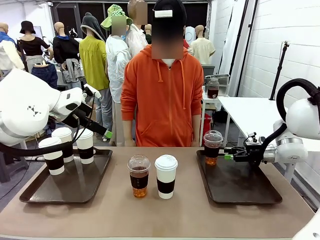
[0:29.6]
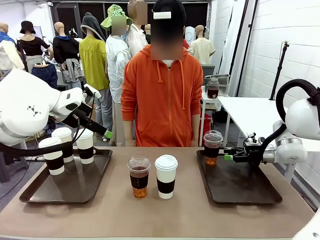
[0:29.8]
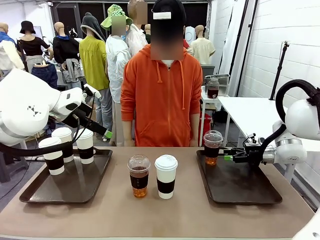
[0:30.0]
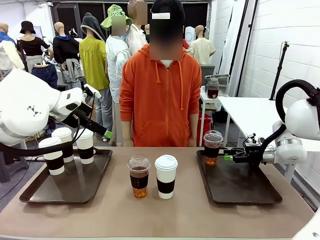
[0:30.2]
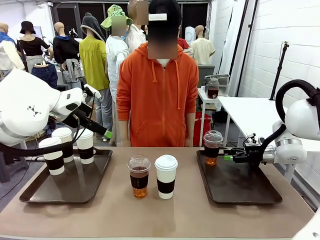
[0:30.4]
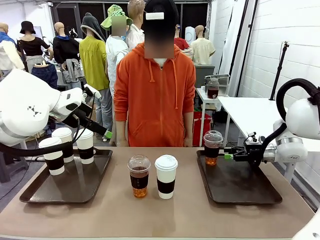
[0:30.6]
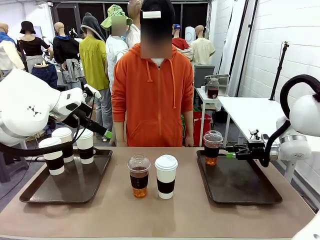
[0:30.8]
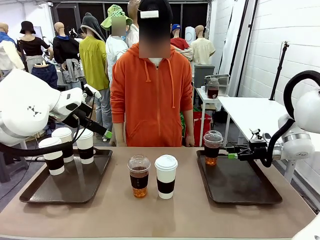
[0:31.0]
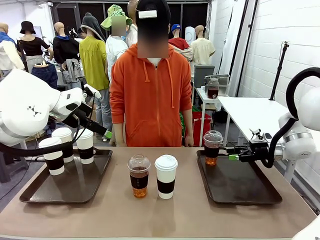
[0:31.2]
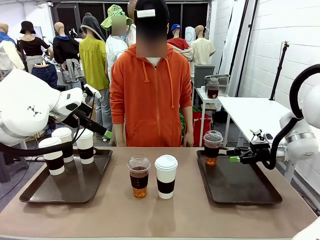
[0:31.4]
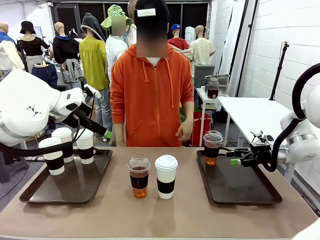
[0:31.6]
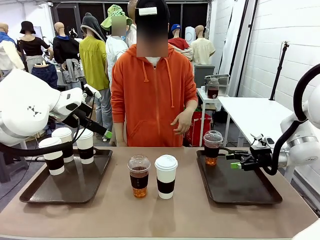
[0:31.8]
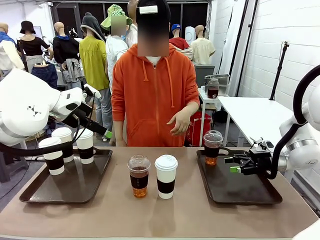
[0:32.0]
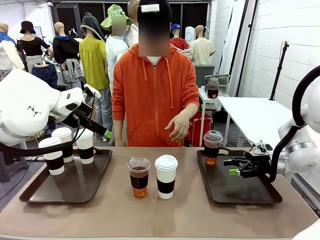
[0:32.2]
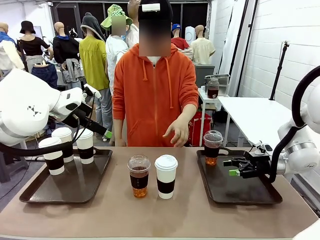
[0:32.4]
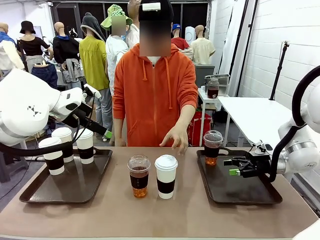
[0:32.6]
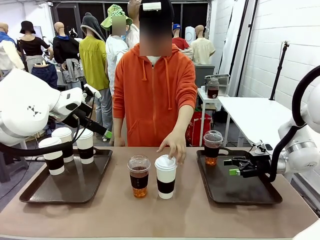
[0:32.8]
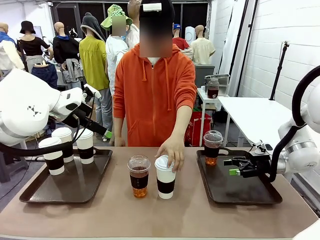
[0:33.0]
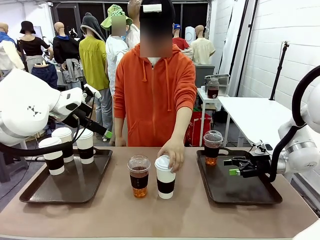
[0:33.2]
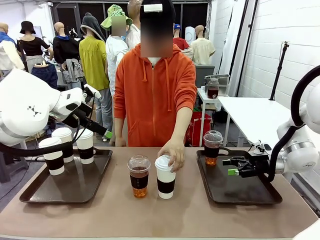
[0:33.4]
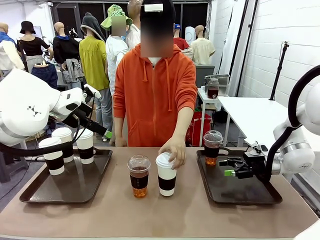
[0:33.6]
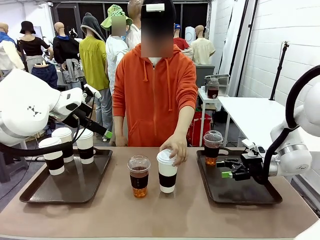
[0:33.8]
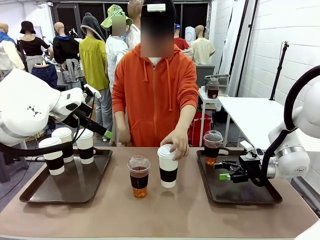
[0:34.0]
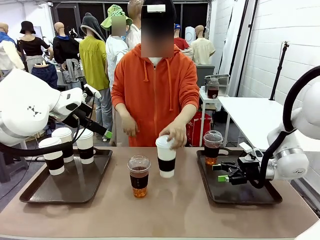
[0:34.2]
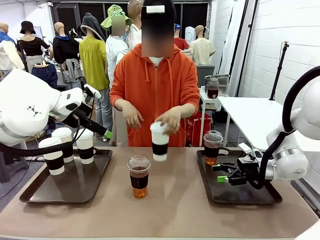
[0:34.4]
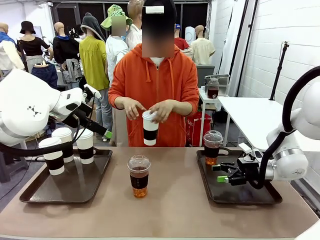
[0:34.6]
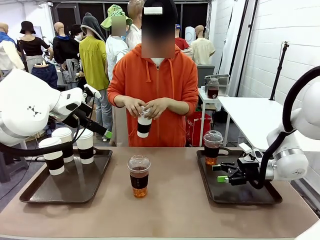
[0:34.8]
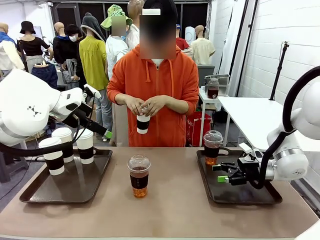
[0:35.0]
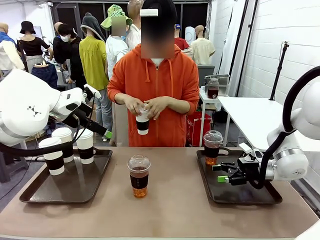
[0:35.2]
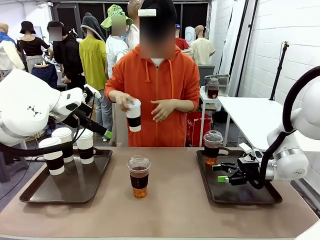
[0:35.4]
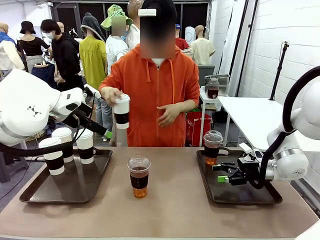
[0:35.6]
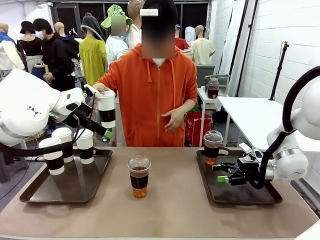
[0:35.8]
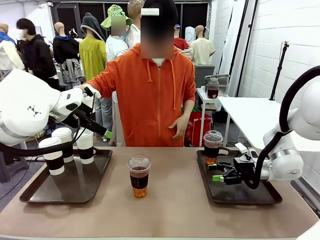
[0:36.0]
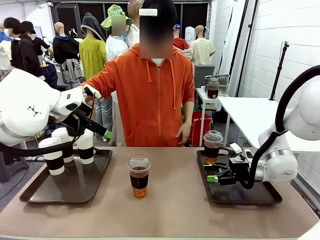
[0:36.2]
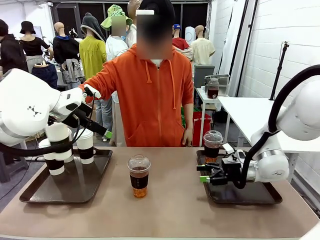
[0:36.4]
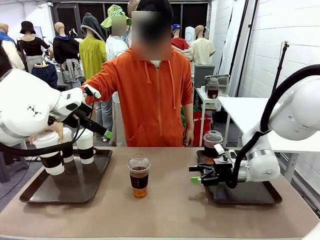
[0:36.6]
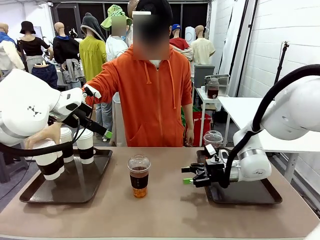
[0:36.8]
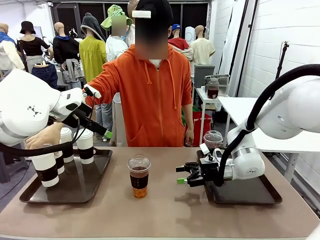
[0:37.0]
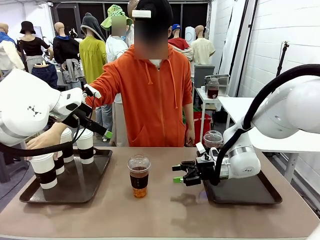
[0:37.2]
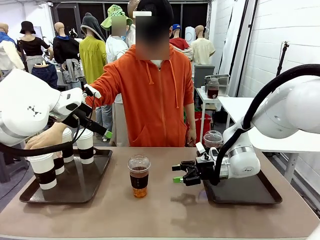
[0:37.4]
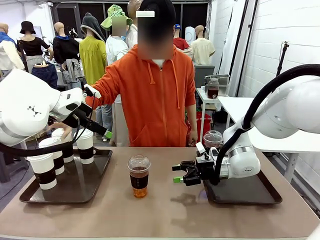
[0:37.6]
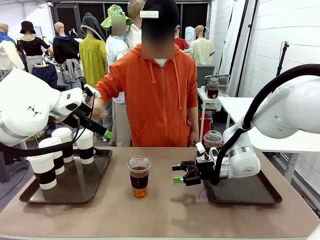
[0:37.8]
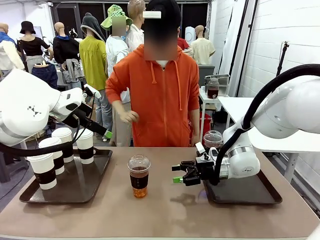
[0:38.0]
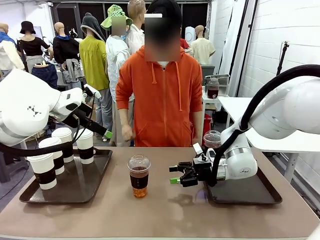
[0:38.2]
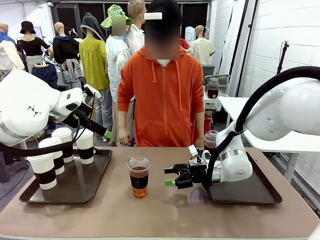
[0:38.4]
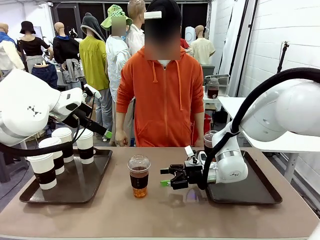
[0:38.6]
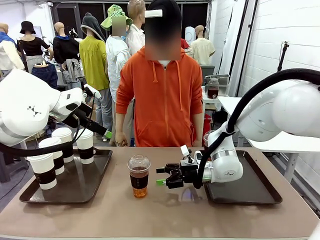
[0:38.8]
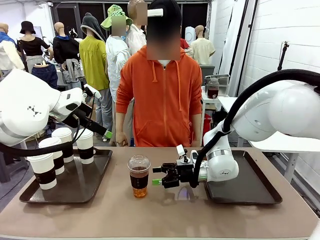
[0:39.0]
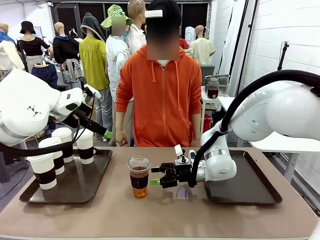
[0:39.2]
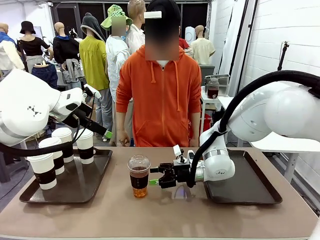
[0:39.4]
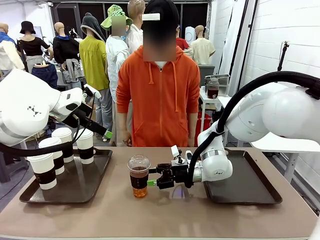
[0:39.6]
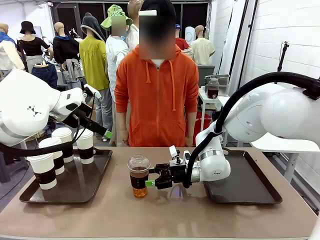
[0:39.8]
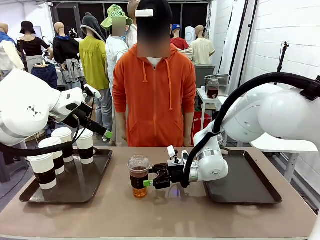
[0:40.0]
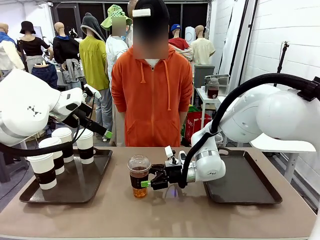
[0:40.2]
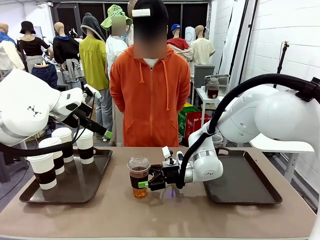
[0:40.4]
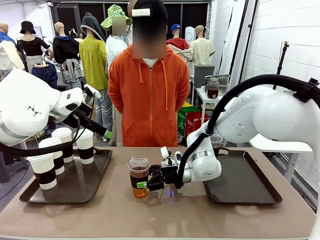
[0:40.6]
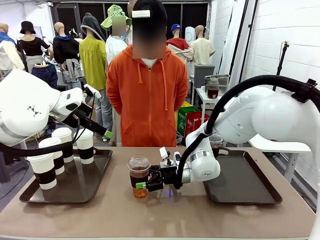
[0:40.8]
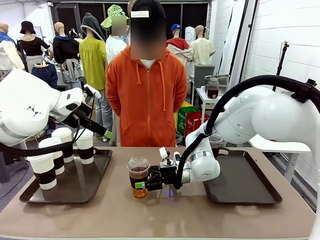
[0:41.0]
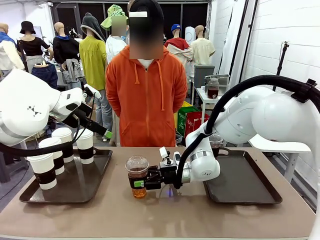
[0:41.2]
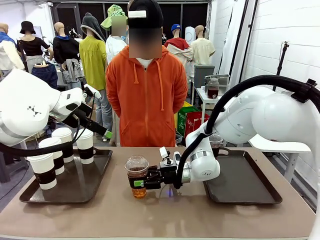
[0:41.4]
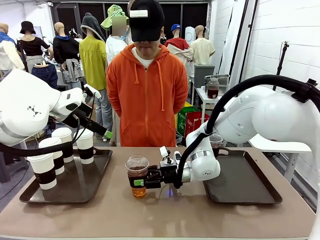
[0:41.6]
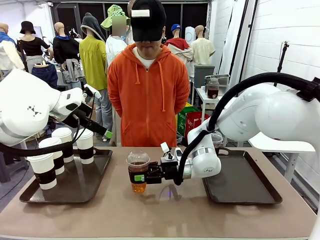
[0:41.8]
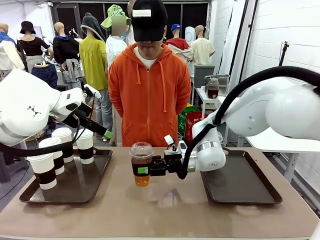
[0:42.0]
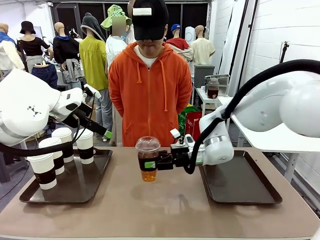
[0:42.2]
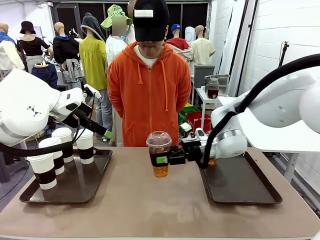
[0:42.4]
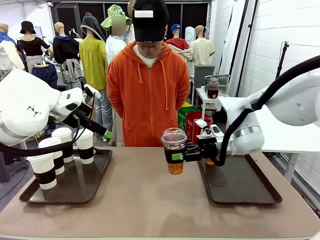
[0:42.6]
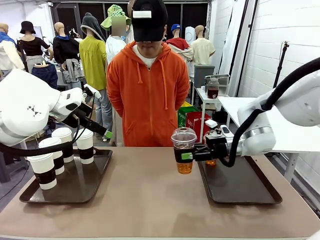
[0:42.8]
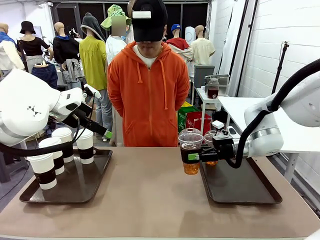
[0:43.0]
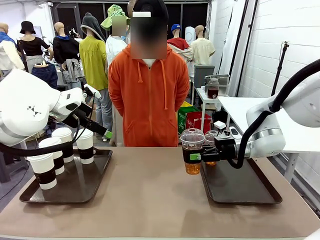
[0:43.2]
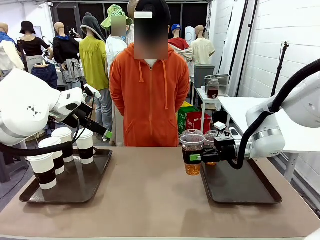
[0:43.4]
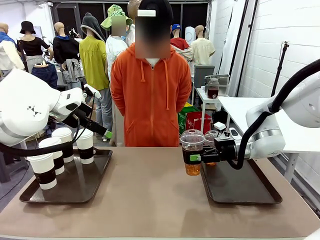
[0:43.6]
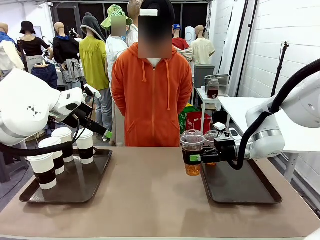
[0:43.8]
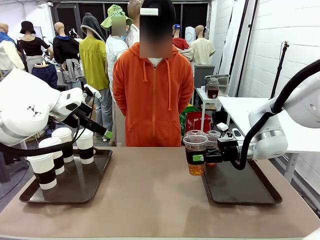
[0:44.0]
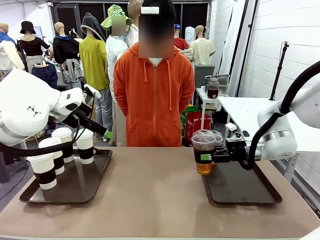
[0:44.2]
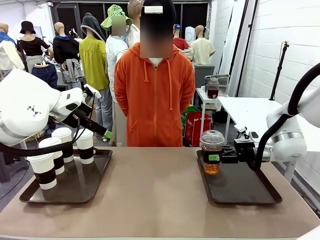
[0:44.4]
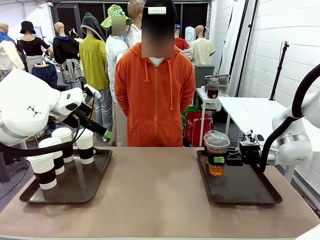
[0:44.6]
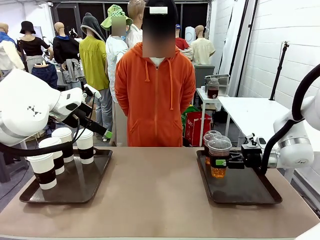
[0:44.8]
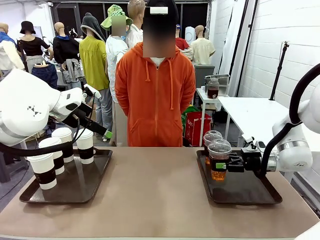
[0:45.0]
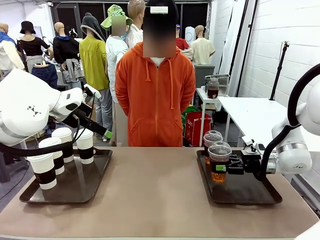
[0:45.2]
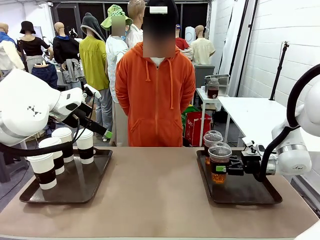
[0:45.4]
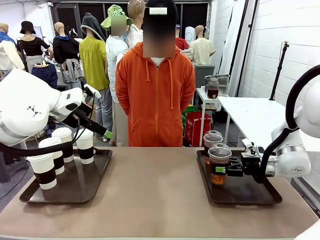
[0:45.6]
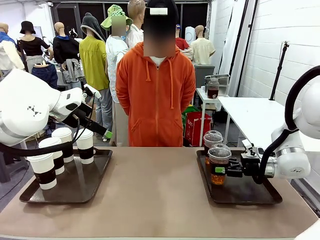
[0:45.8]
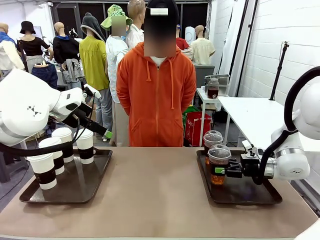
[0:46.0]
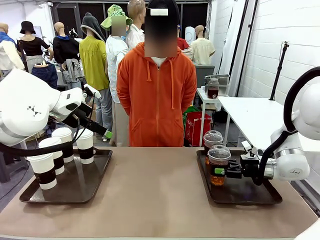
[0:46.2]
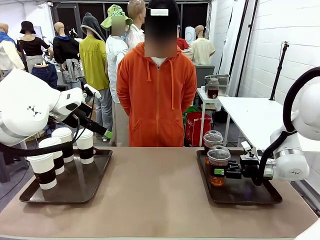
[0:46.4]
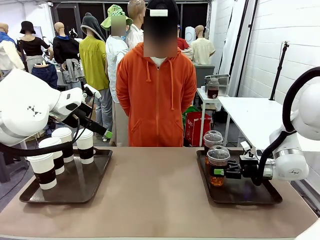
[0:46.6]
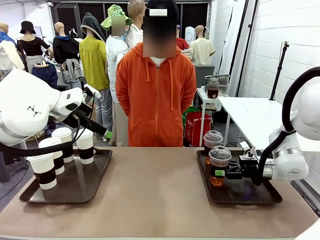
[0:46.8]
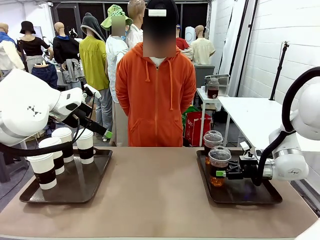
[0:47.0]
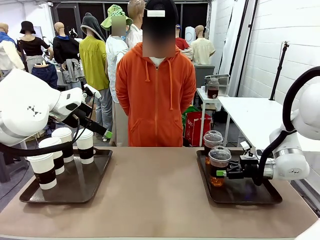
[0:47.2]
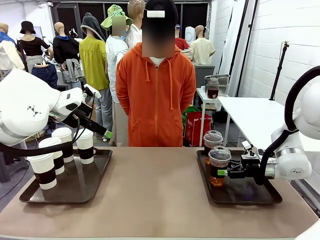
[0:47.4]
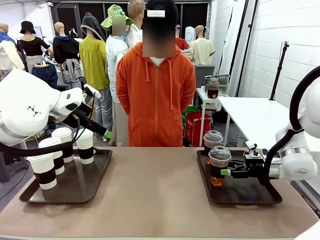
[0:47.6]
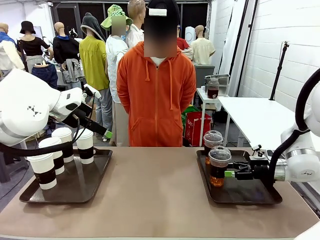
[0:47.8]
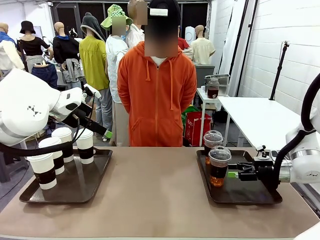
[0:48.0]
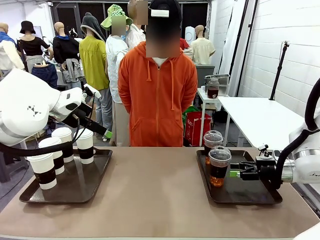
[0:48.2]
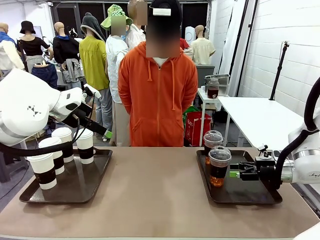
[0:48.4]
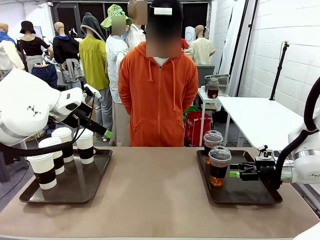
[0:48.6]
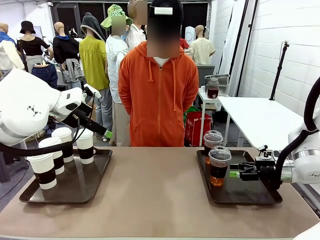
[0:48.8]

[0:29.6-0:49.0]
Task: Distribute the coffee onto the tray.
Robot: Pick up another iced Americano from the middle of the table and place it on the right Handle tray.
